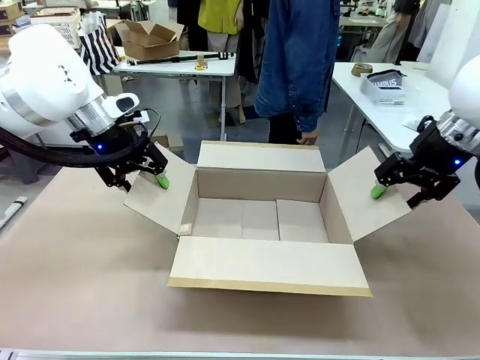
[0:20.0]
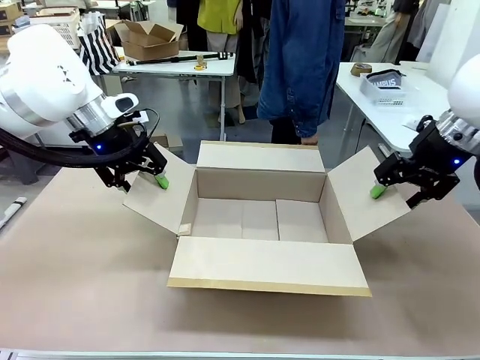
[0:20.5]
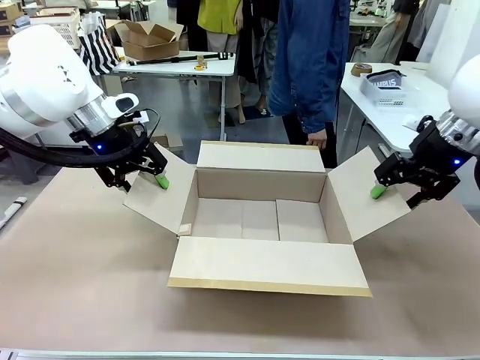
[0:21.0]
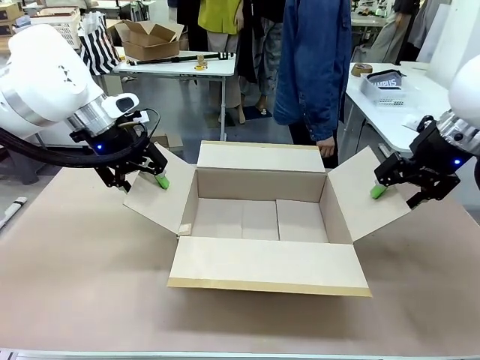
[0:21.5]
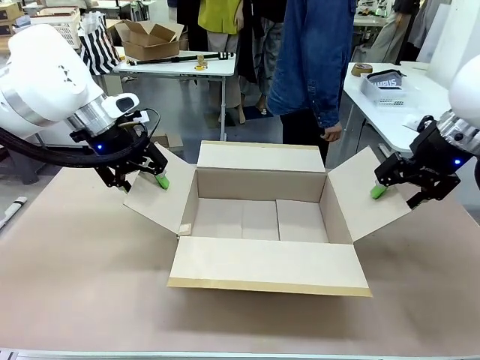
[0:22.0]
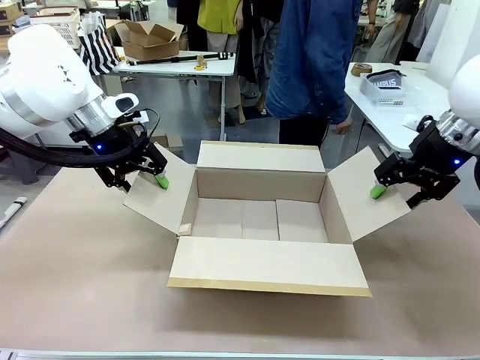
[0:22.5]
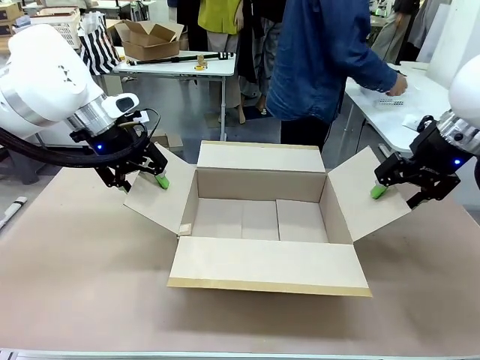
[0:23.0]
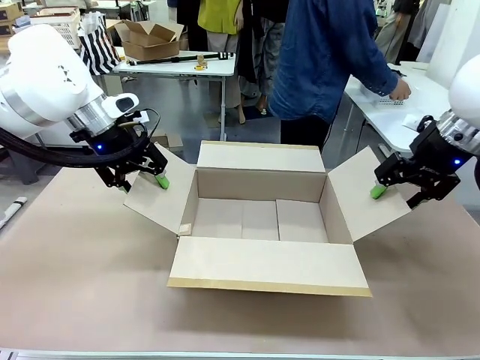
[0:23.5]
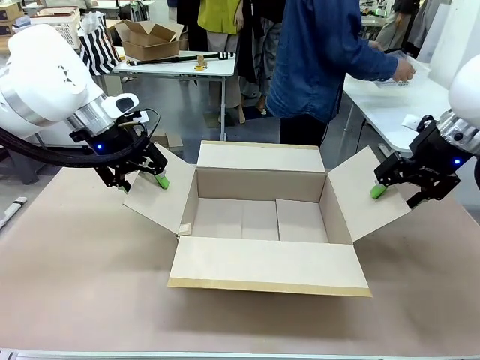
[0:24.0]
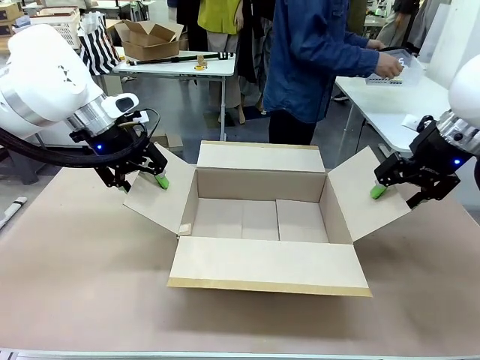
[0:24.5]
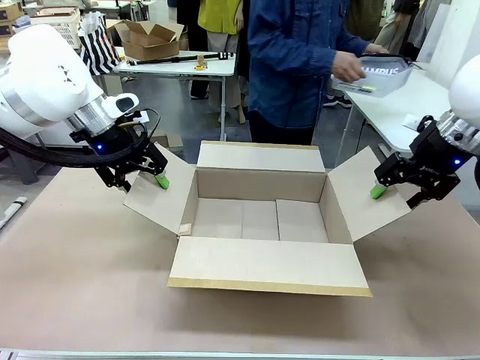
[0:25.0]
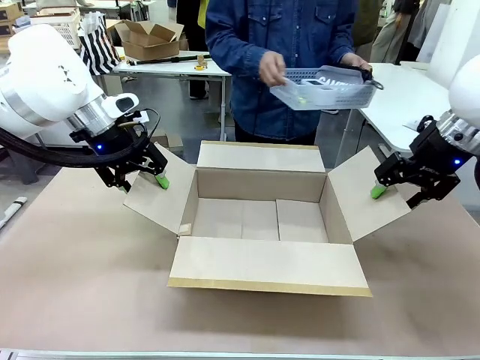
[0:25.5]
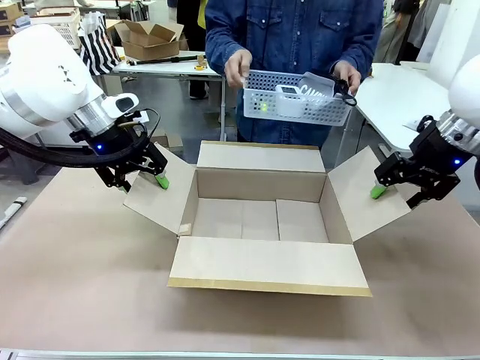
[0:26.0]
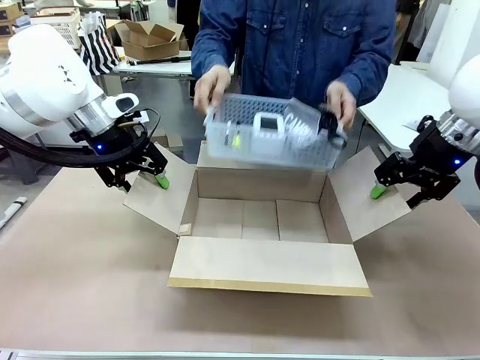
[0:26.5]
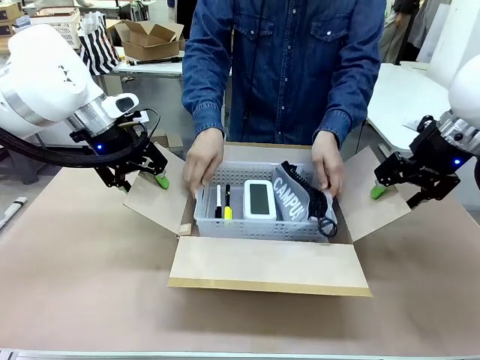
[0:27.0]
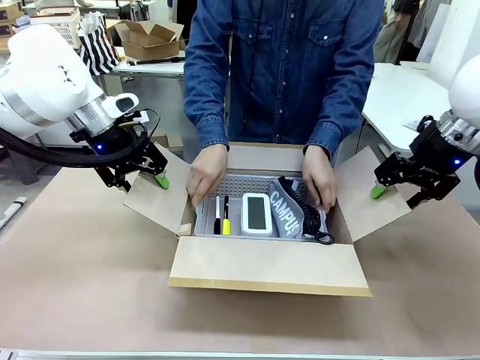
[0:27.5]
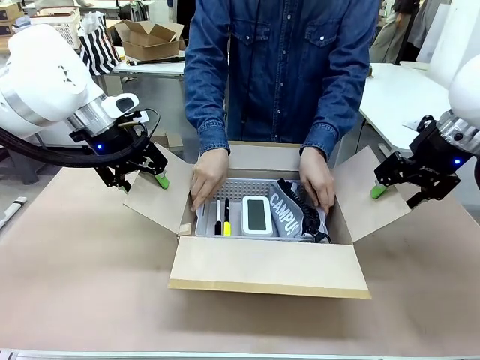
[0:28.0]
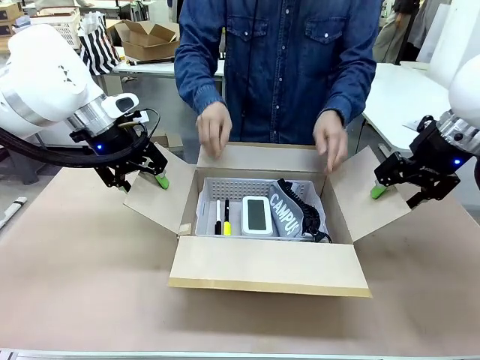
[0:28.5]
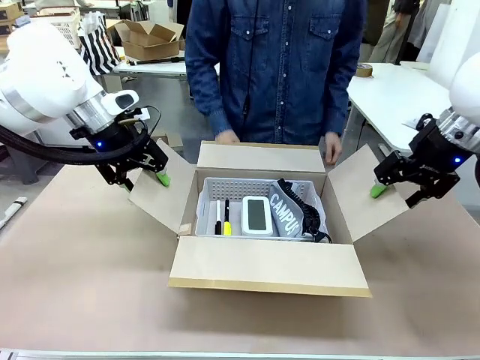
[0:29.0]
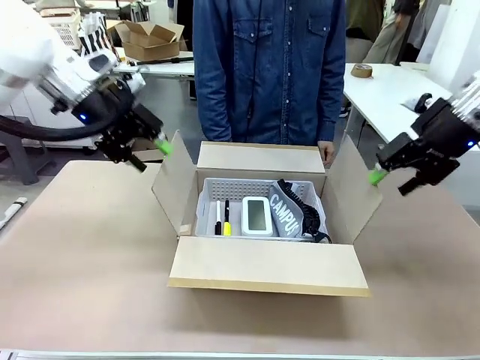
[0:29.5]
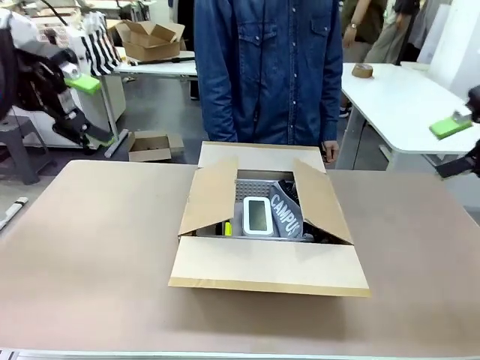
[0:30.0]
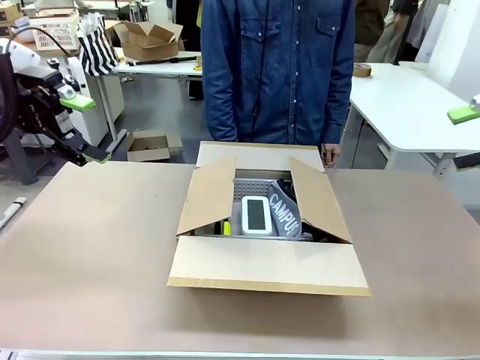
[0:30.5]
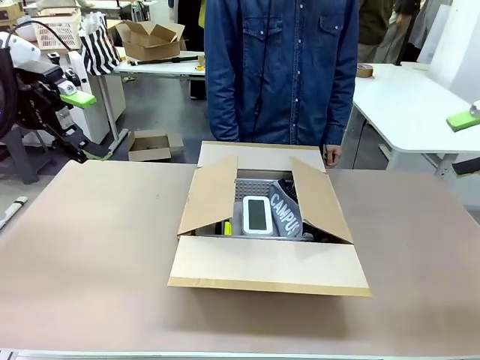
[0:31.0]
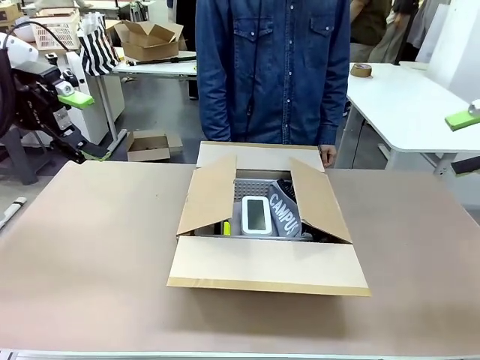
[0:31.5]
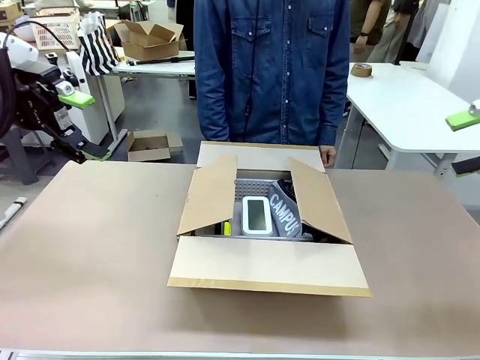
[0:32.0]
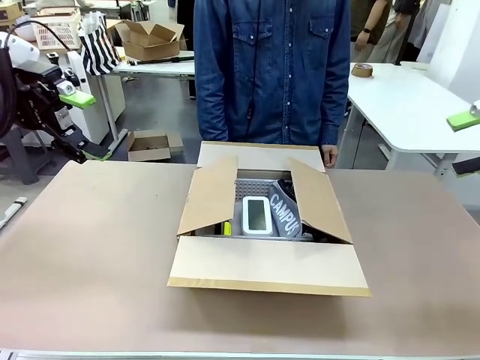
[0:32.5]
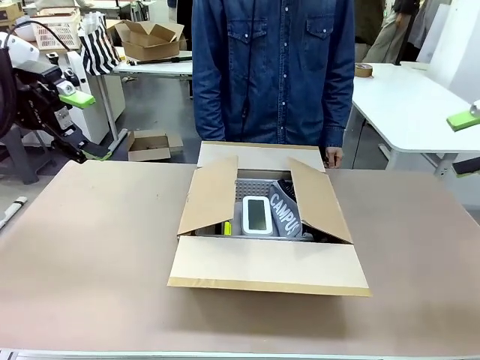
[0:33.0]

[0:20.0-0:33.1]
Task: Pack the gift set into the box.
Robot: Lift both hands away from the flaps of the Package Box.
Person: The human picks up the organizing basket and places the organizing basket into the package box on the robot table.

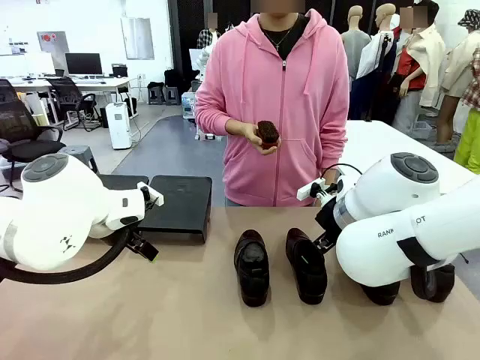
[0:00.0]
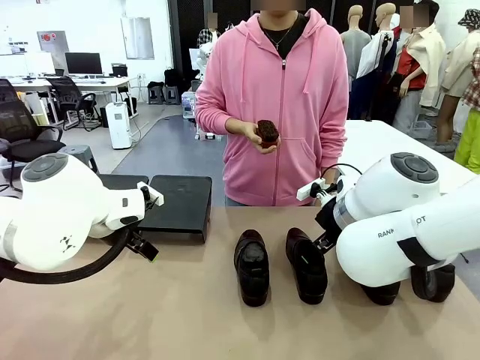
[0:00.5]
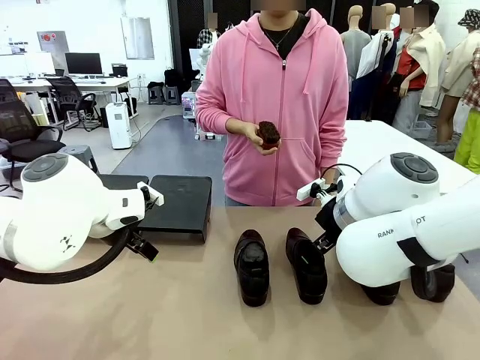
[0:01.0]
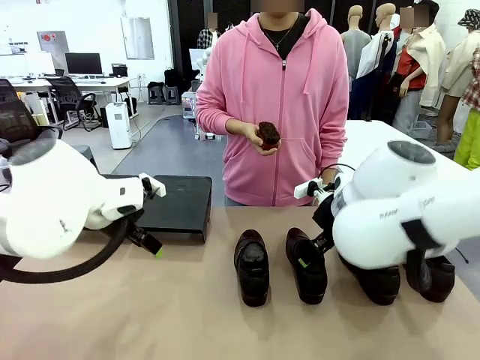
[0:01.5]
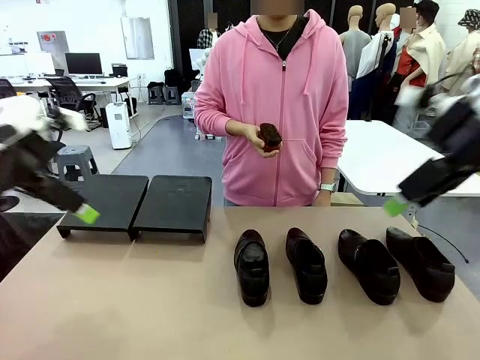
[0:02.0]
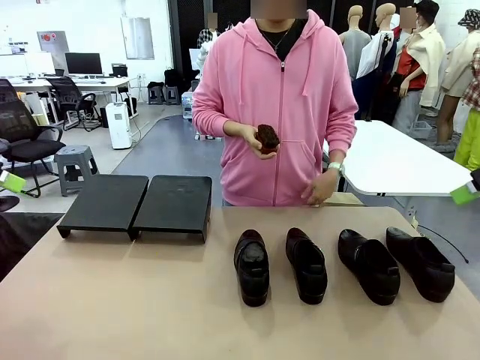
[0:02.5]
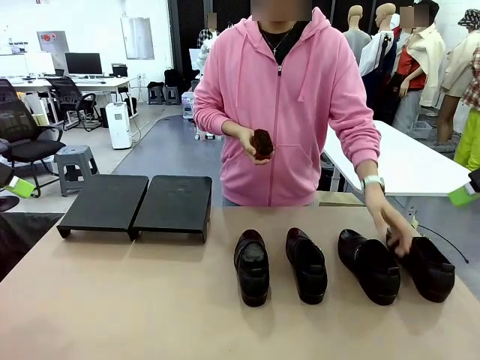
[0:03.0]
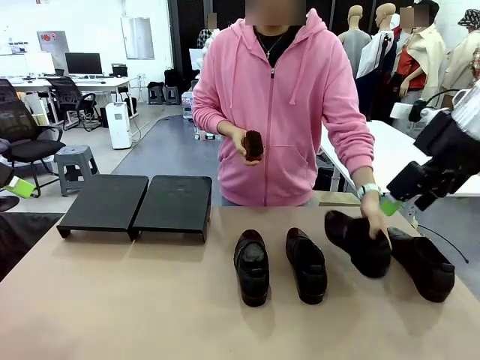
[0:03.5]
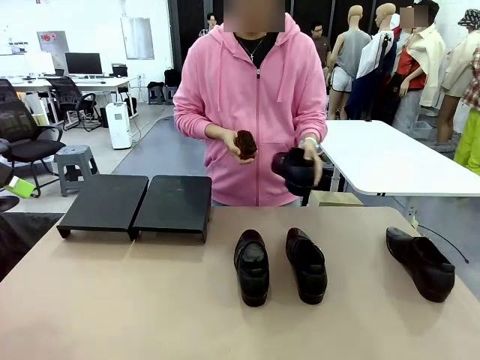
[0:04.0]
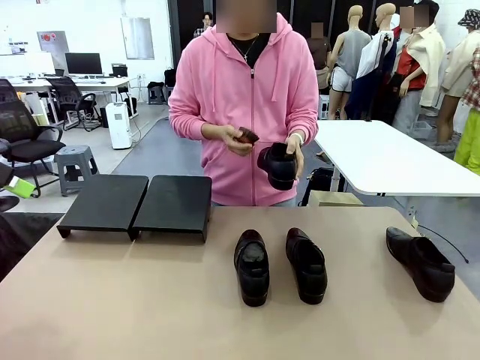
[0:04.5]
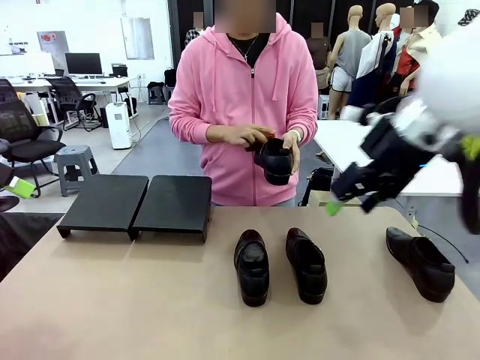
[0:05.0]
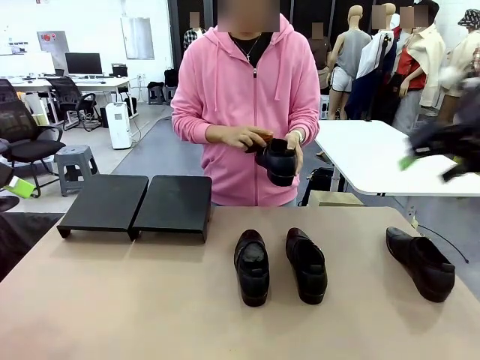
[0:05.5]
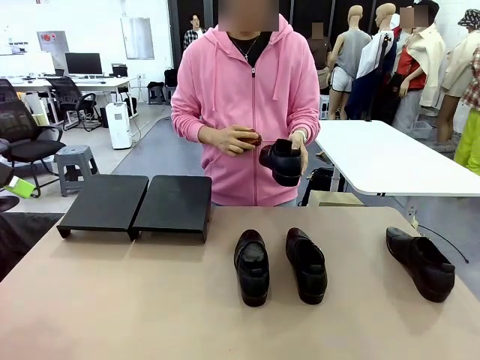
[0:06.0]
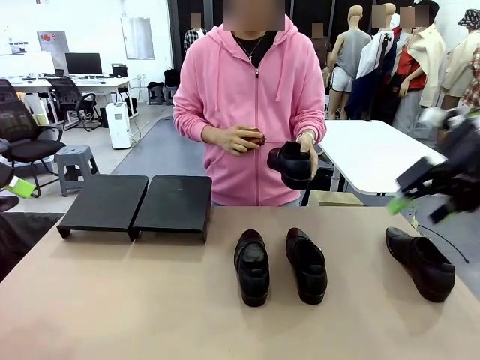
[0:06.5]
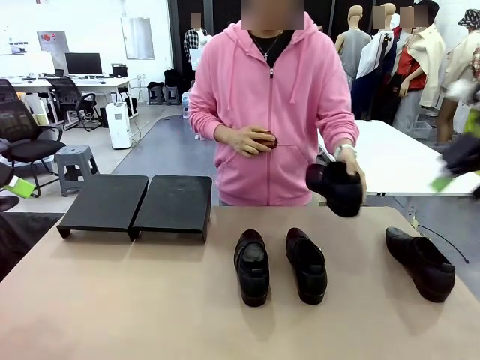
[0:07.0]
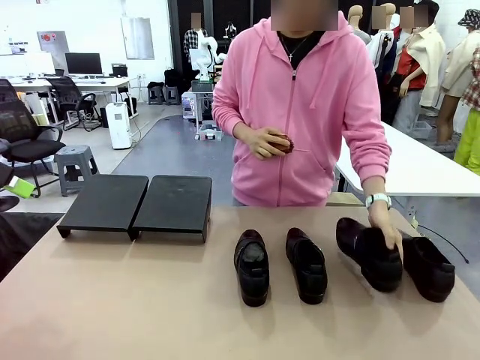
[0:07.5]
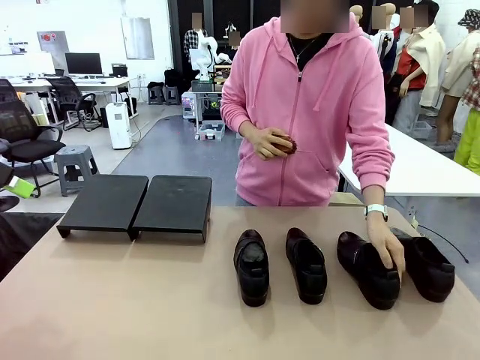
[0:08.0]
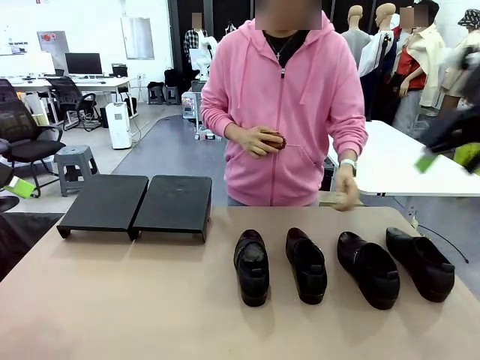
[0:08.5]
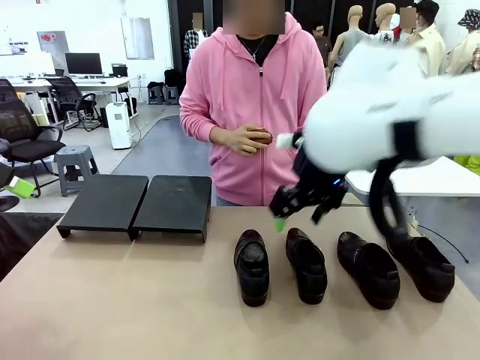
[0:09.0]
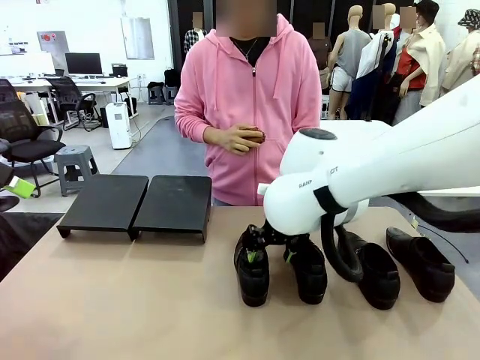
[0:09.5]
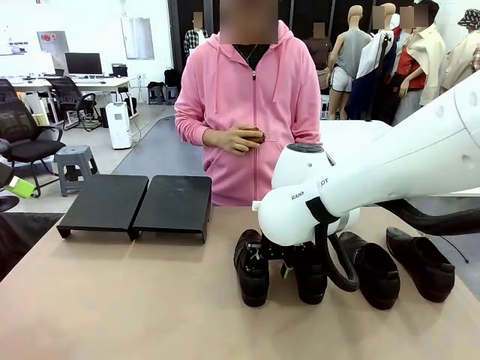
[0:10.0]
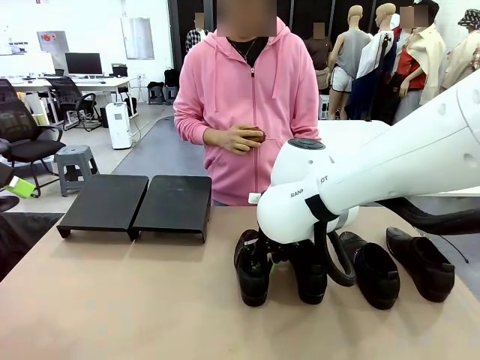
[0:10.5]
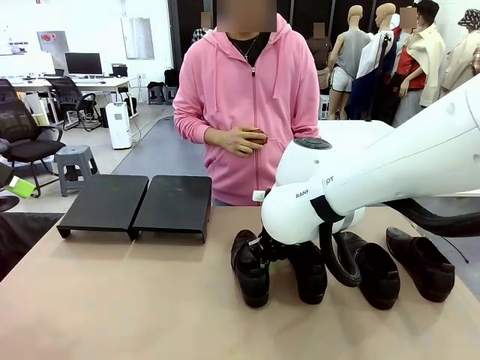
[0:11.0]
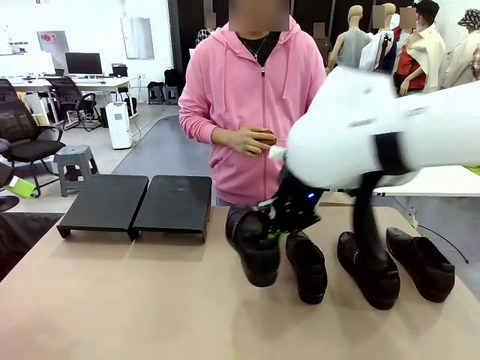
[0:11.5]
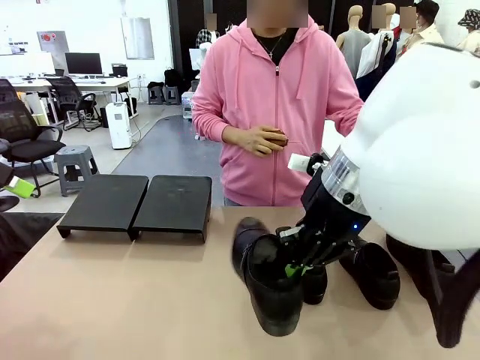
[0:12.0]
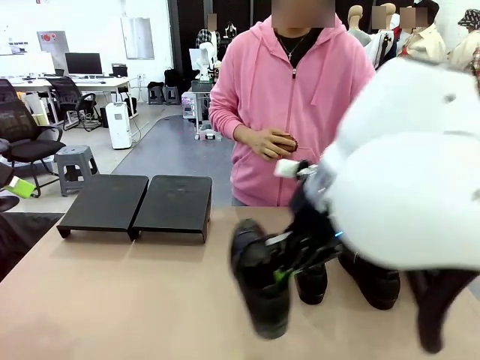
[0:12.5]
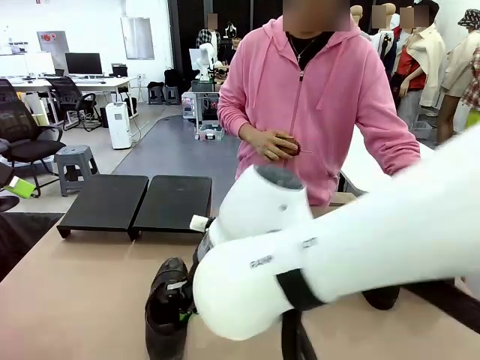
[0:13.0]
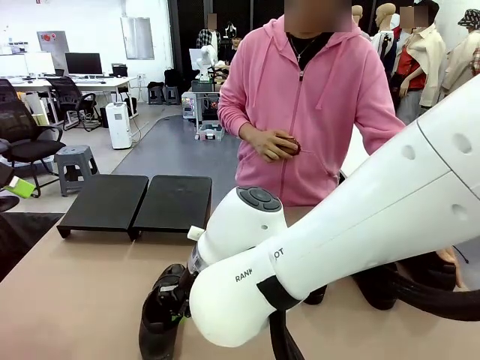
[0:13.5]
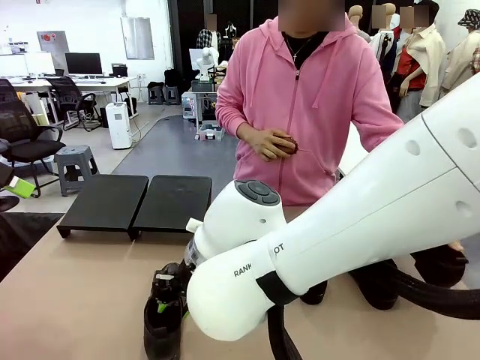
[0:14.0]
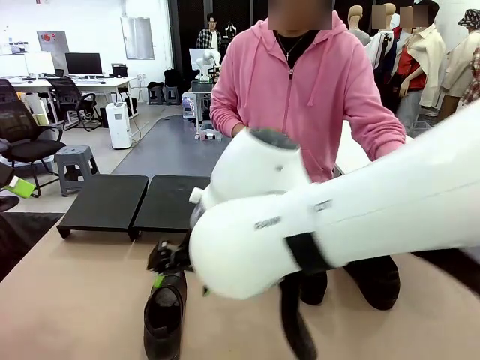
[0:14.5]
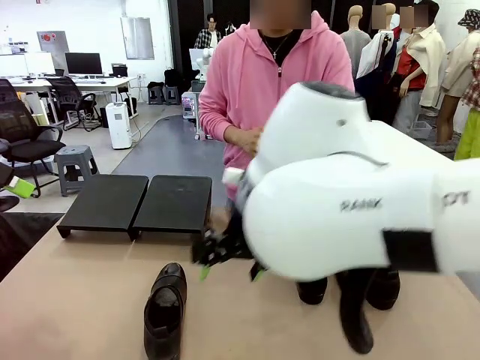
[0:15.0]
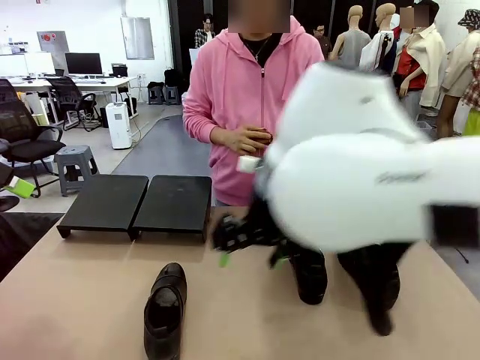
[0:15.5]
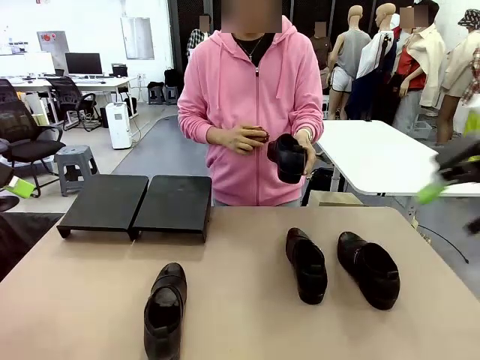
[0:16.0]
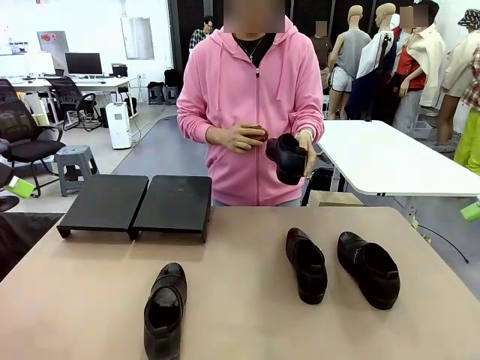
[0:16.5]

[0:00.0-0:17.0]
Task: Organize the shoes by placing them on the stand.
Robot: Pick up one Shoe and place it in the middle of the table.
Person: Pick one Shoe on Robot's table. Clean the Shoe with the Shoe Brush. Place the Shoe on left side of the Robot's table. Pick one Shoe on Robot's table.
